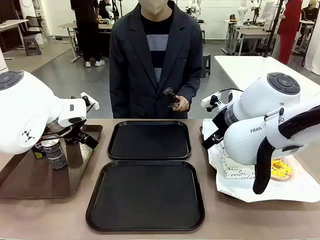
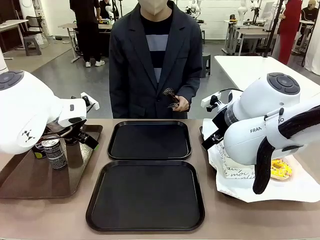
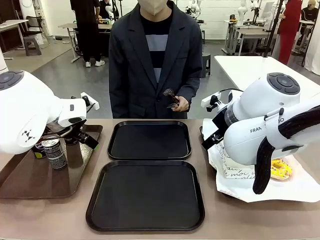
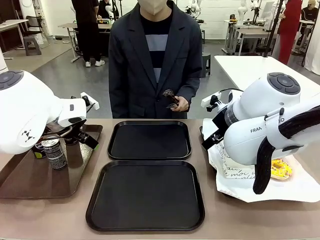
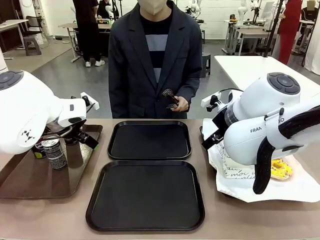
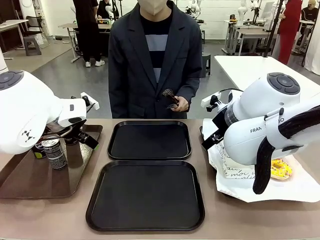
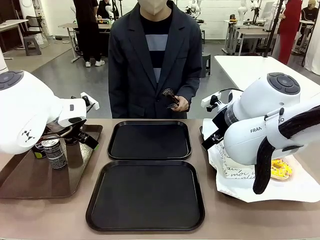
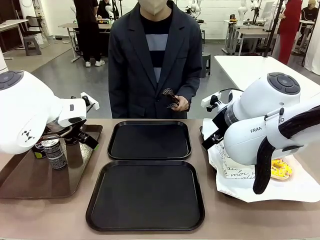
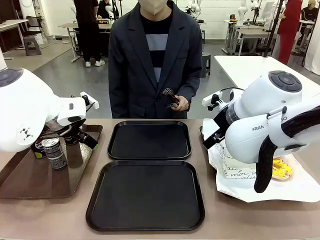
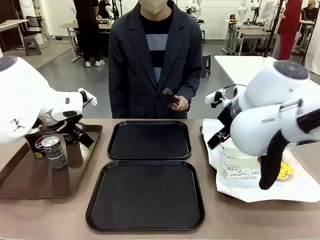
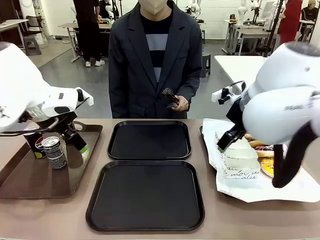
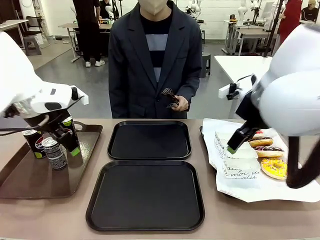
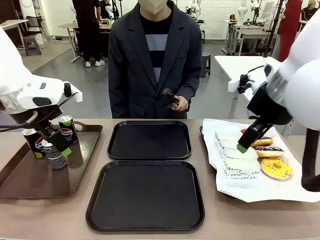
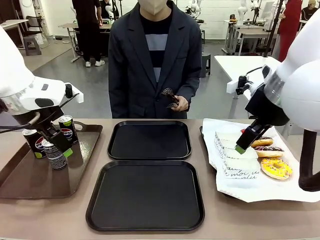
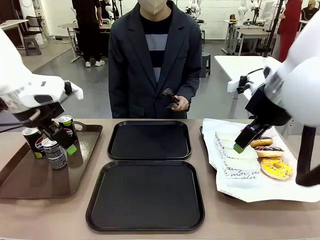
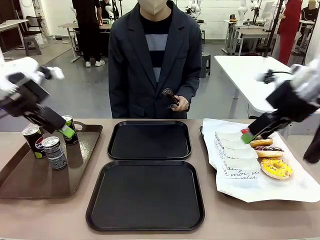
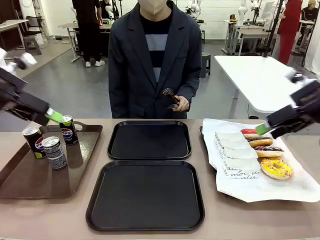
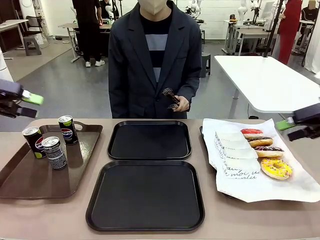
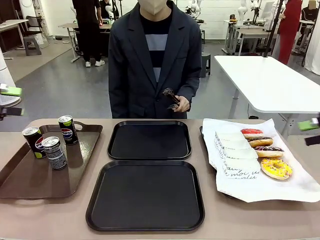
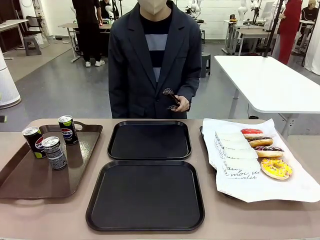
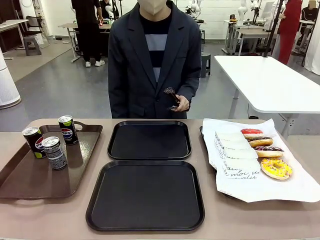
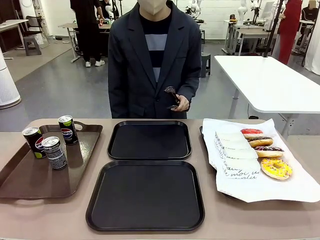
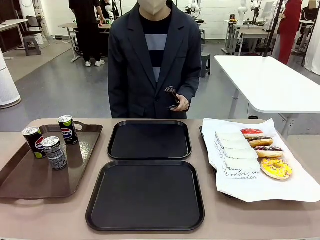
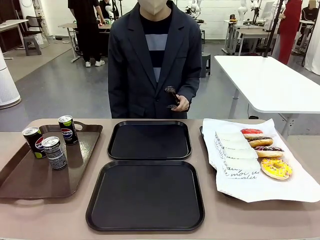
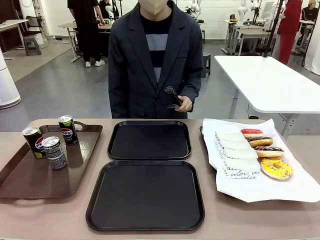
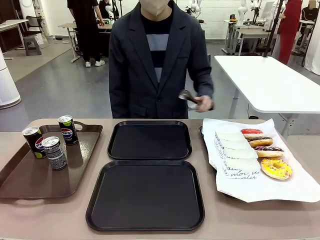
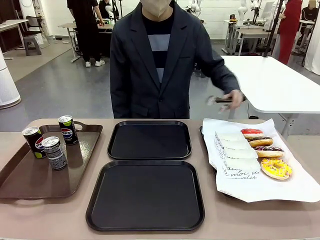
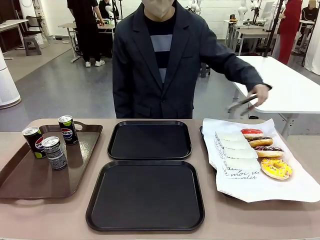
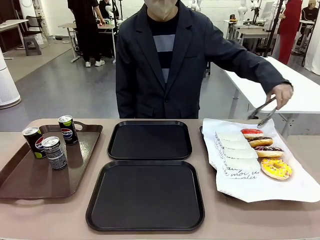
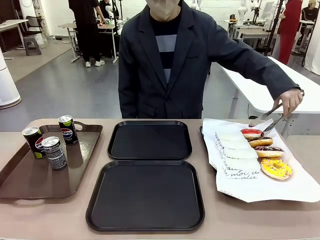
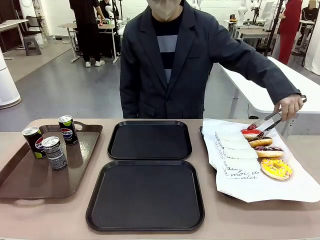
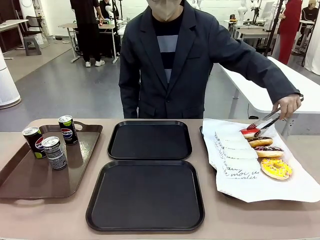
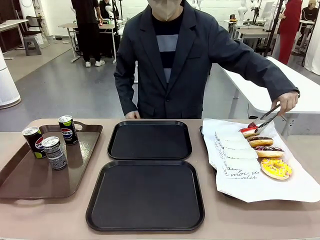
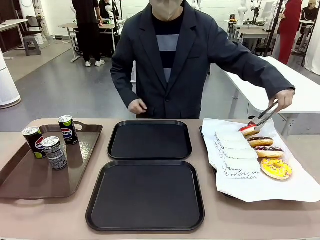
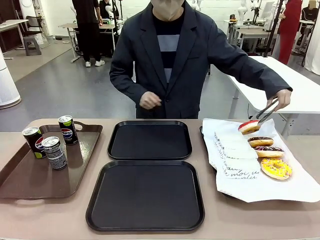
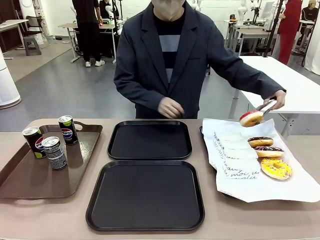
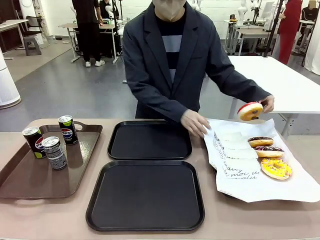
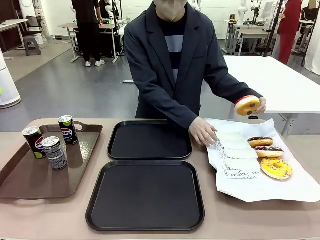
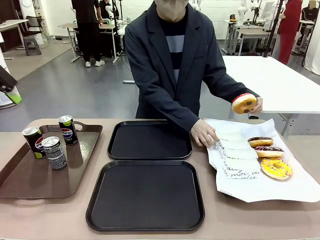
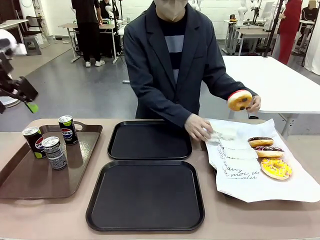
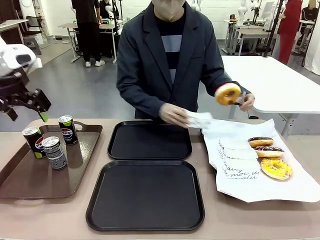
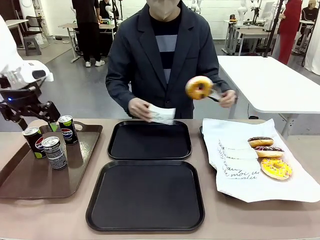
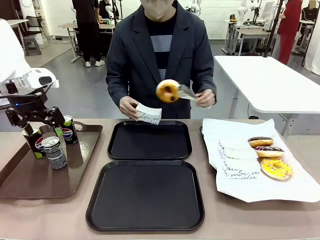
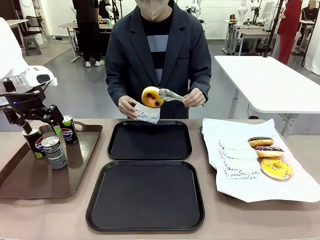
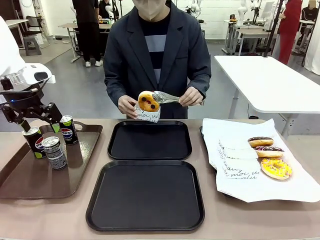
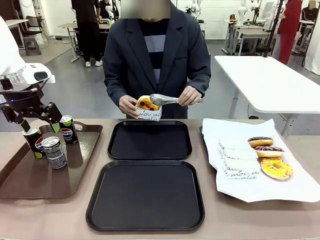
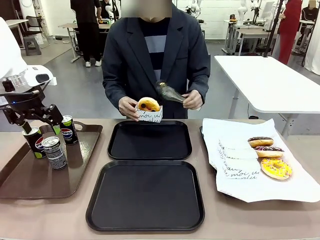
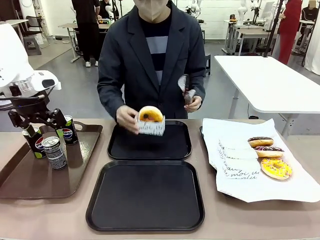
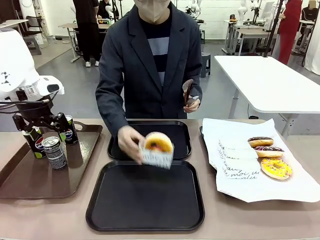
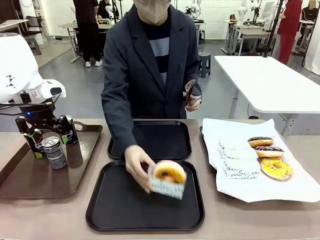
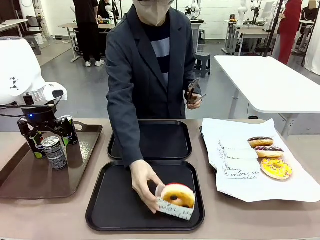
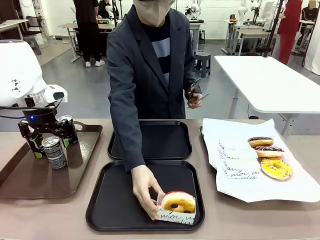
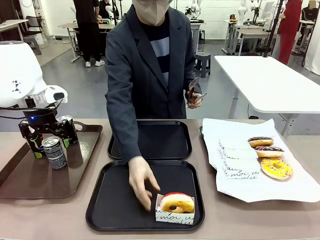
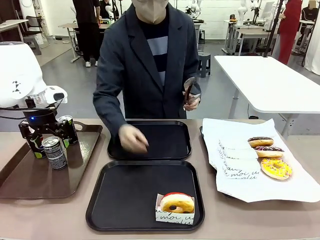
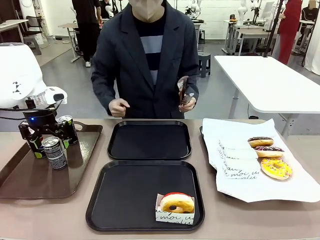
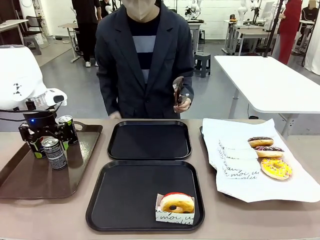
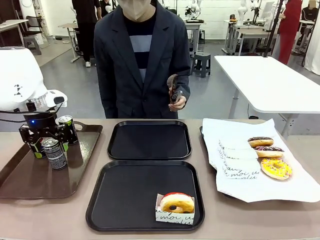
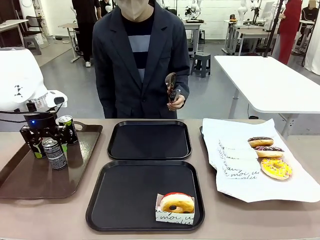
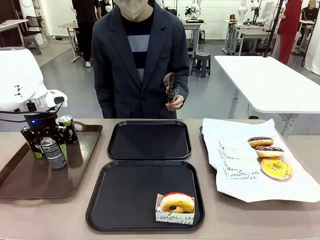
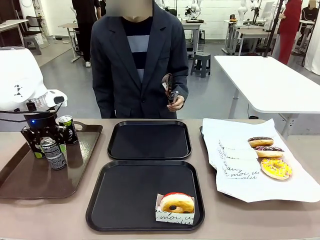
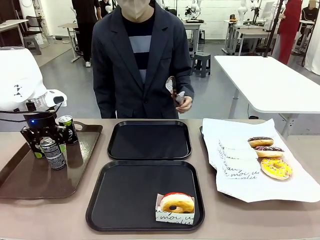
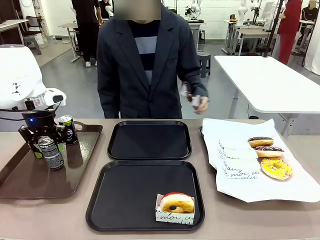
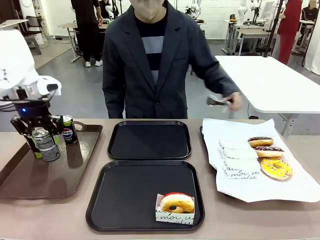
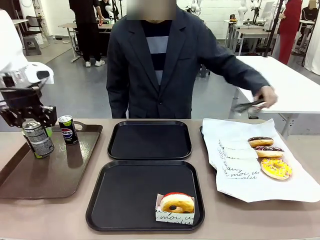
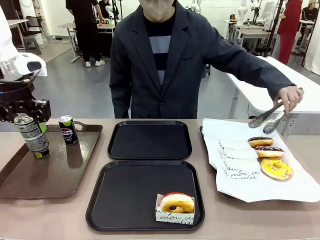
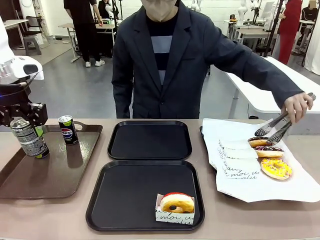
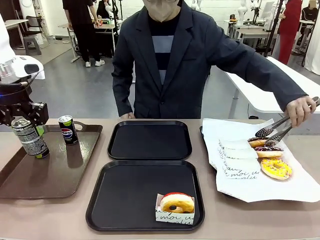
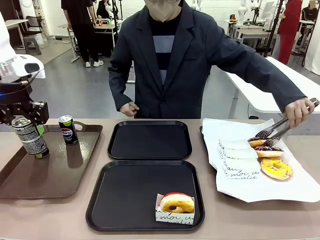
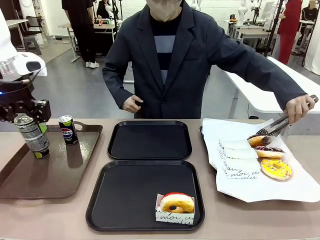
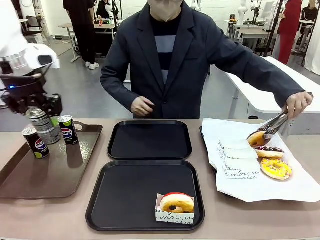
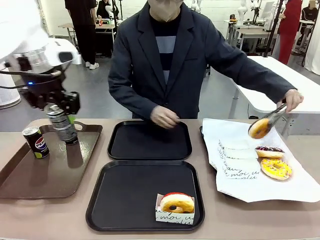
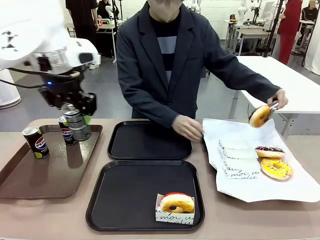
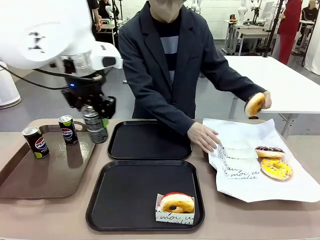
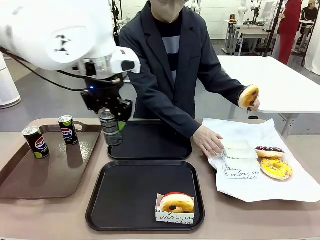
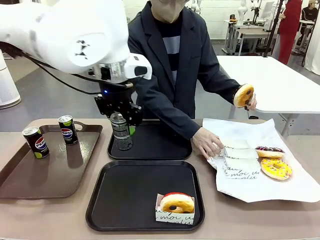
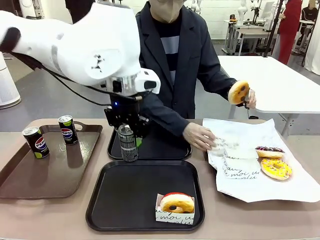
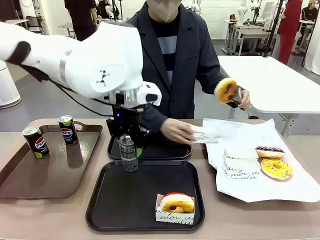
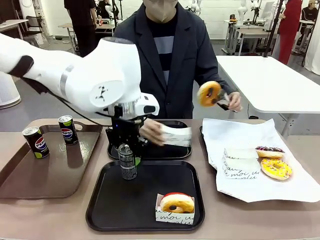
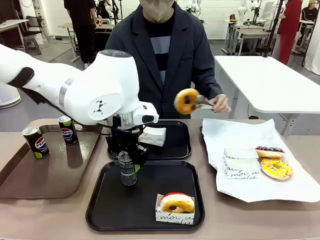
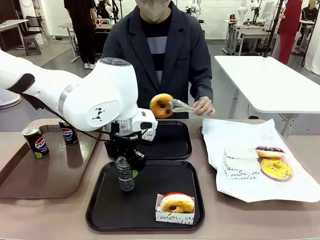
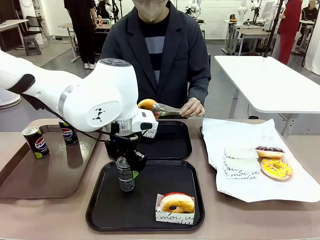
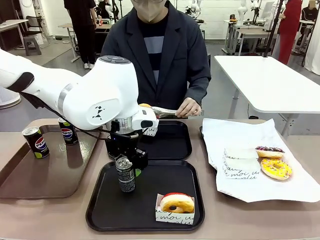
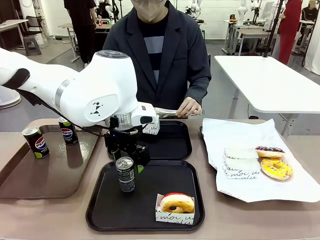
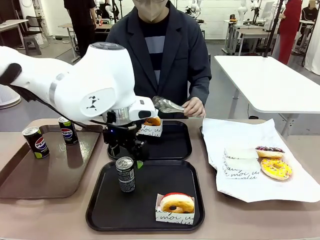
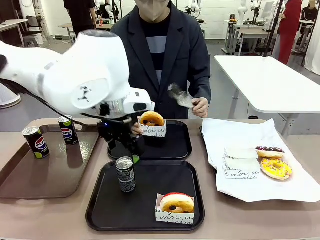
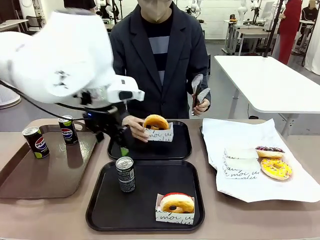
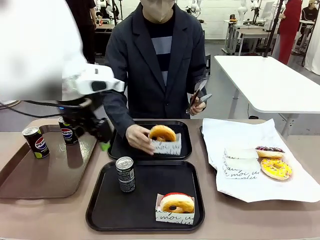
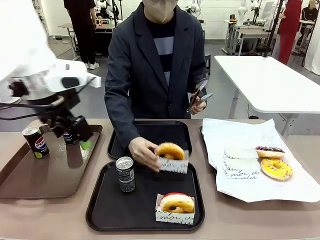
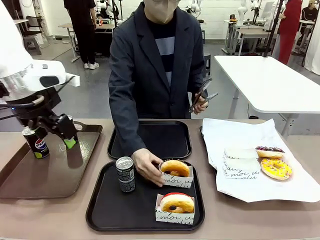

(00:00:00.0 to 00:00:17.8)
Task: Set up donuts and drinks on trays.
Robot: Pick up one Pepsi coke and place it on the Flat Tray.
